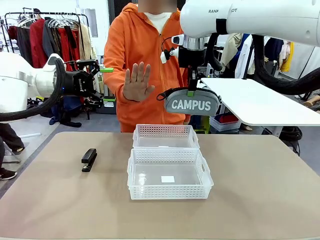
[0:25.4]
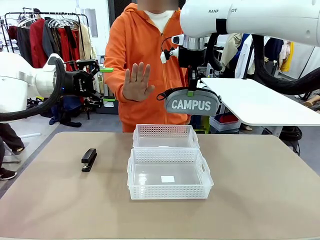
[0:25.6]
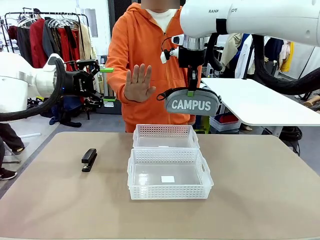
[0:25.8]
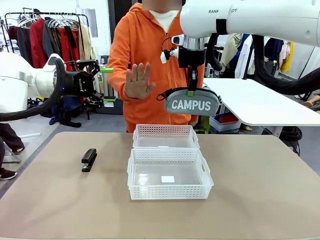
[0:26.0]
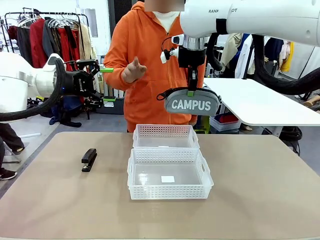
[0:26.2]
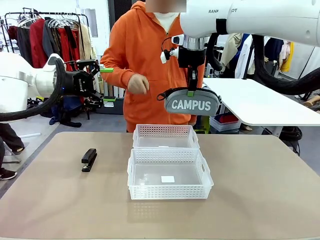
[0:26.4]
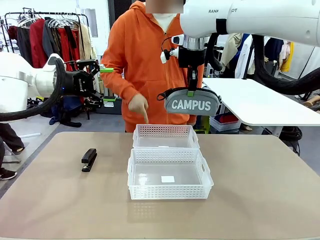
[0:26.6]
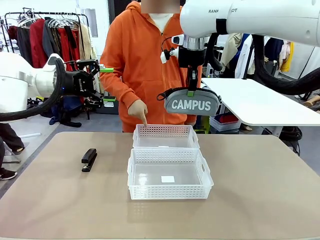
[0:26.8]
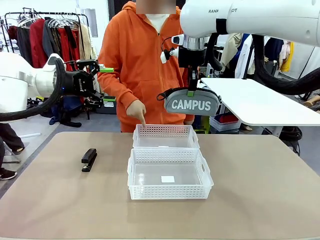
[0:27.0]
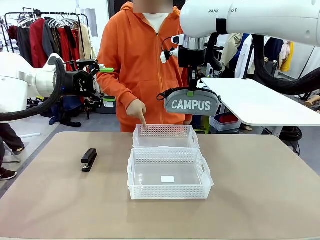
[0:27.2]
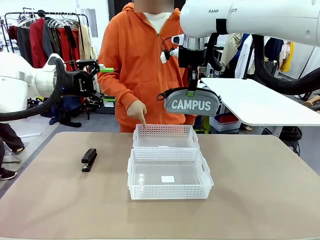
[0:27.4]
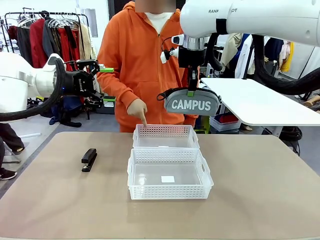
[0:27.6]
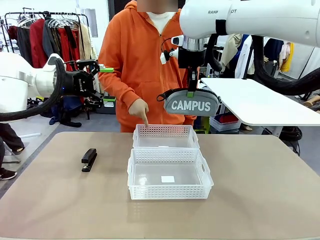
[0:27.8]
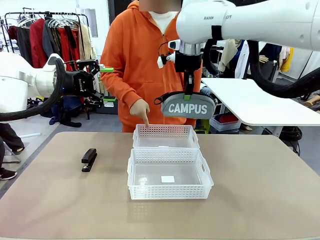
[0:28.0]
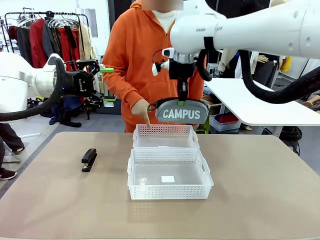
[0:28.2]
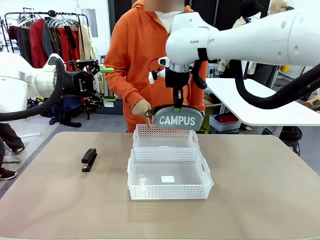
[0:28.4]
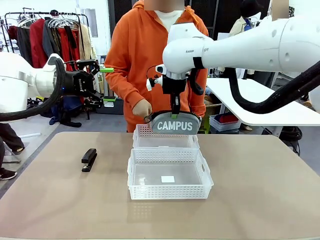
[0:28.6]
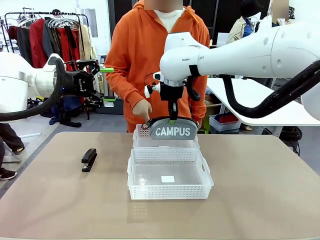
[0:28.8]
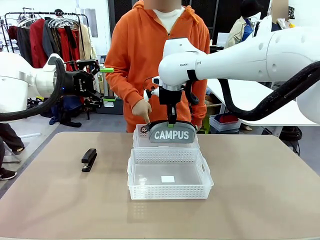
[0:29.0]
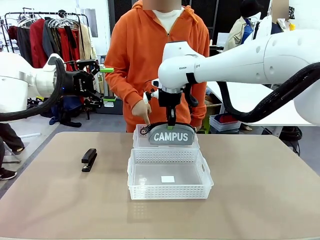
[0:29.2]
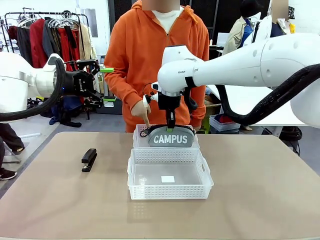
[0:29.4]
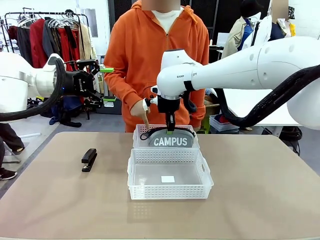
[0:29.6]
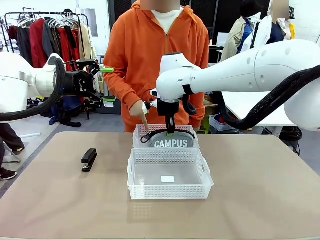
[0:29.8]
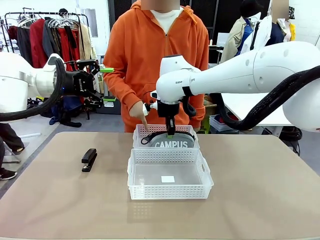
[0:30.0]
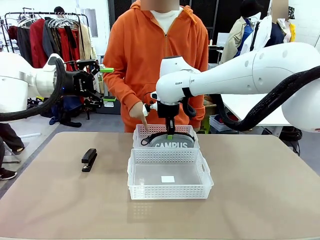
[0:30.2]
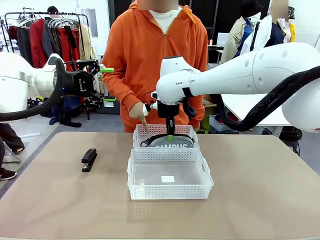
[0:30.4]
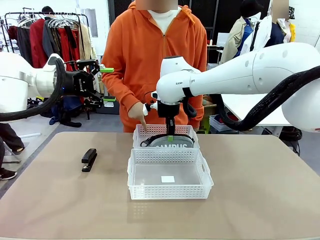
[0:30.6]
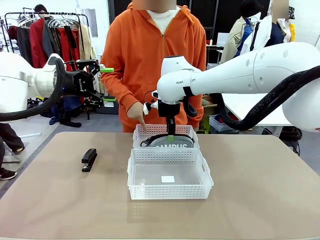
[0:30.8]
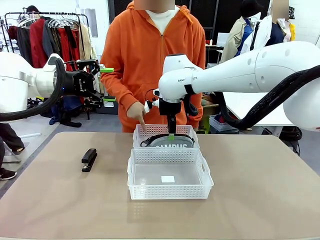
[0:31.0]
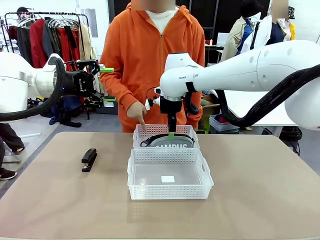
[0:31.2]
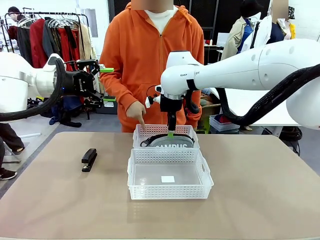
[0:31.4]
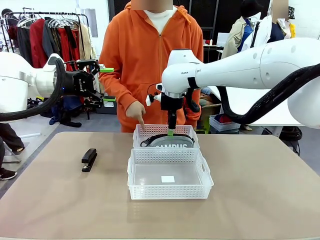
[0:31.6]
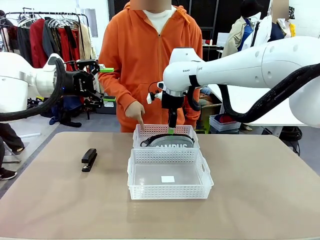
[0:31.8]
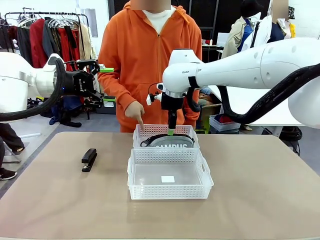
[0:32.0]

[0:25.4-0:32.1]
Task: Distribute items into two baskets.
Robot: Place the picked Pencil pouch into the Organizing basket as instructed by the person.
Person: Instructs the robot to place the pencil case into the opposite basket.

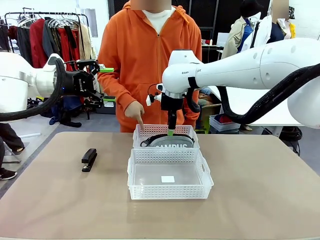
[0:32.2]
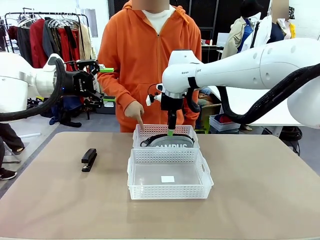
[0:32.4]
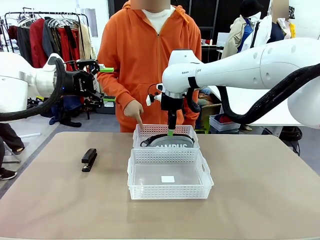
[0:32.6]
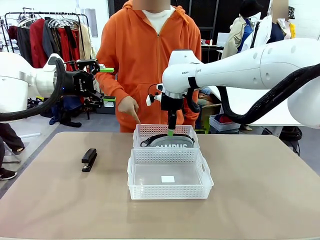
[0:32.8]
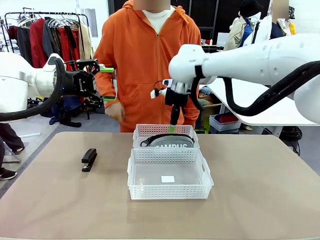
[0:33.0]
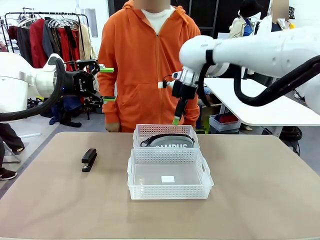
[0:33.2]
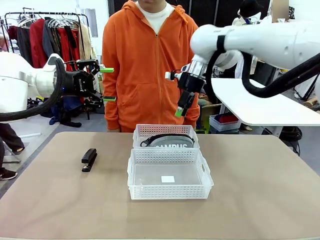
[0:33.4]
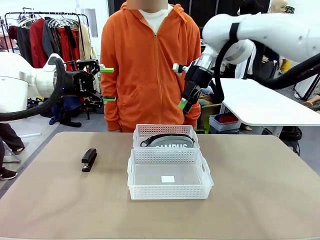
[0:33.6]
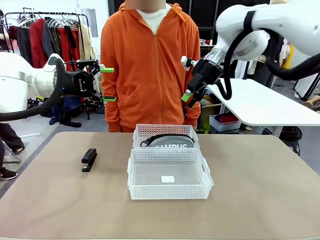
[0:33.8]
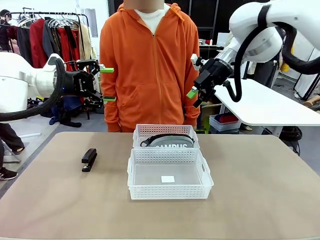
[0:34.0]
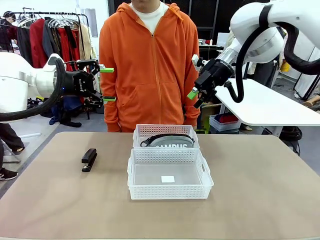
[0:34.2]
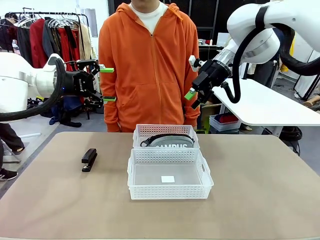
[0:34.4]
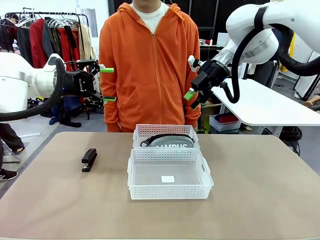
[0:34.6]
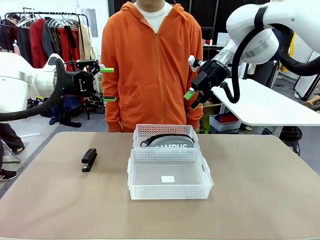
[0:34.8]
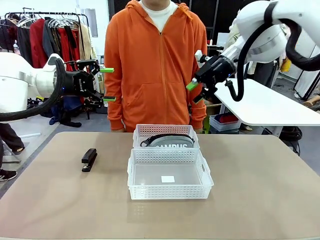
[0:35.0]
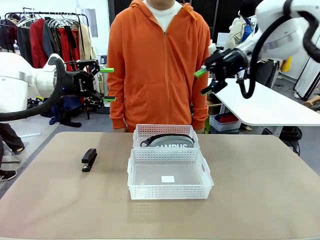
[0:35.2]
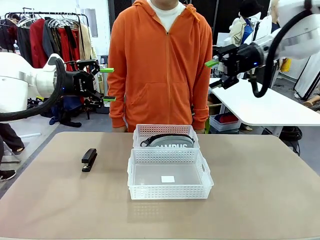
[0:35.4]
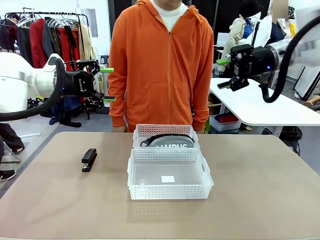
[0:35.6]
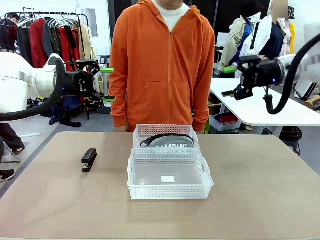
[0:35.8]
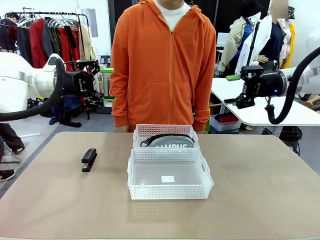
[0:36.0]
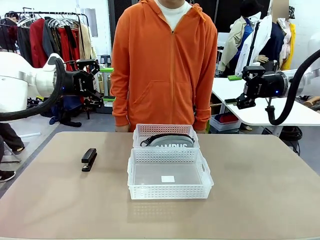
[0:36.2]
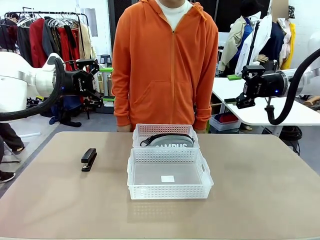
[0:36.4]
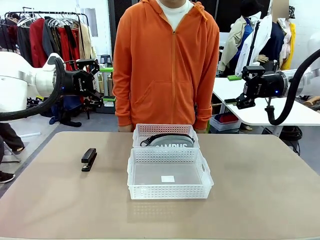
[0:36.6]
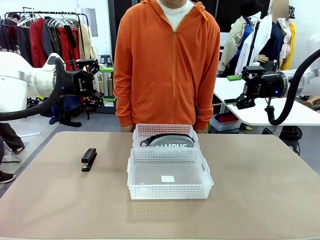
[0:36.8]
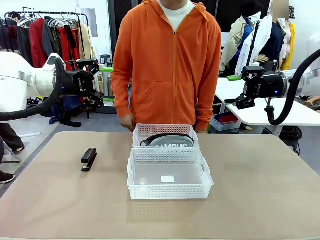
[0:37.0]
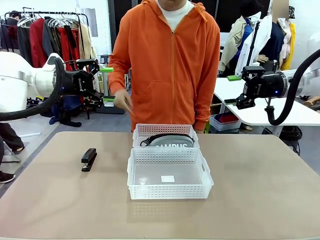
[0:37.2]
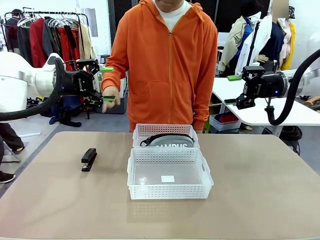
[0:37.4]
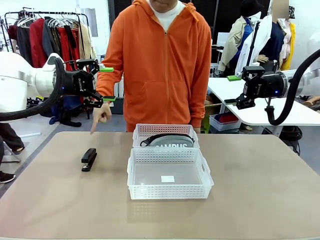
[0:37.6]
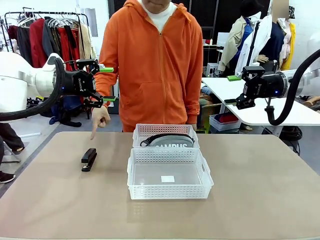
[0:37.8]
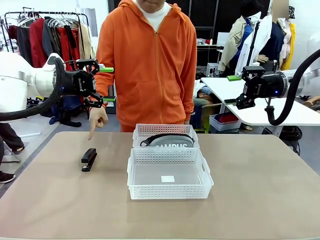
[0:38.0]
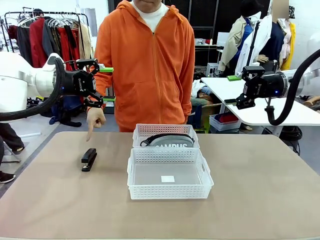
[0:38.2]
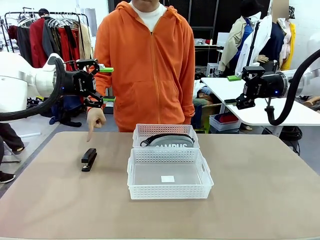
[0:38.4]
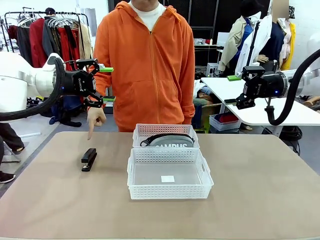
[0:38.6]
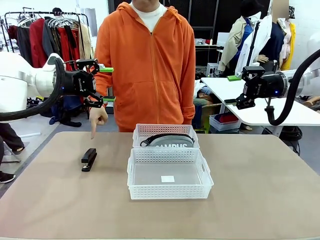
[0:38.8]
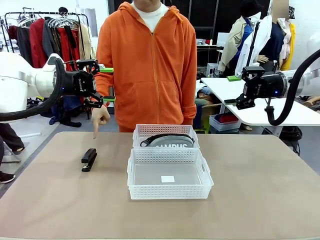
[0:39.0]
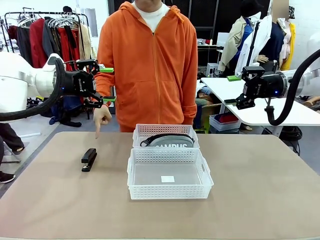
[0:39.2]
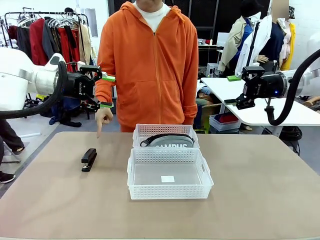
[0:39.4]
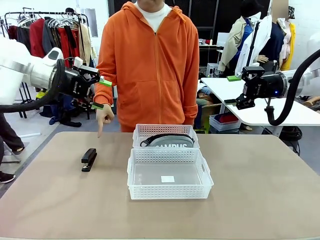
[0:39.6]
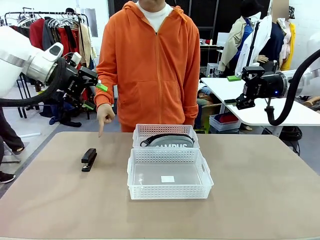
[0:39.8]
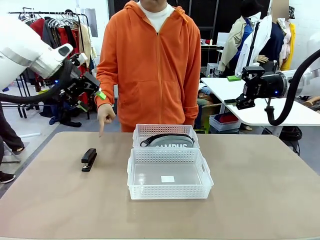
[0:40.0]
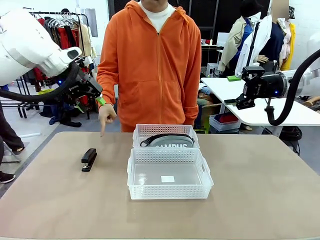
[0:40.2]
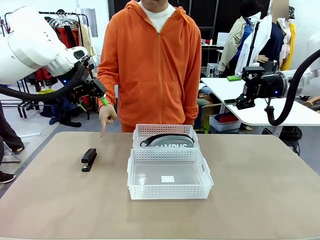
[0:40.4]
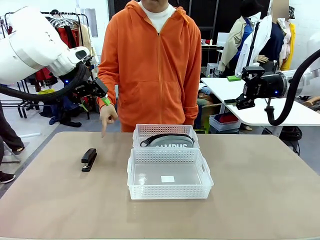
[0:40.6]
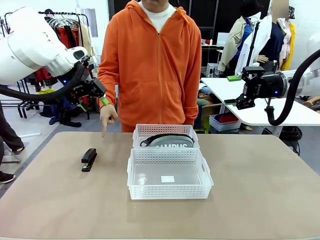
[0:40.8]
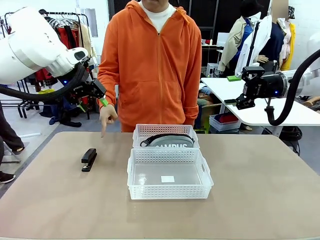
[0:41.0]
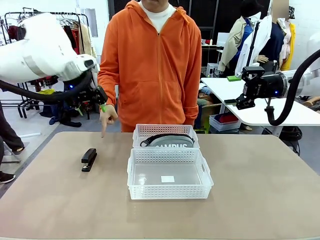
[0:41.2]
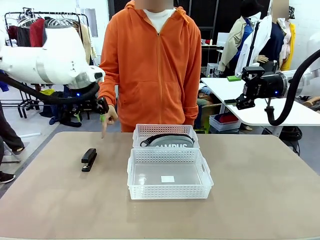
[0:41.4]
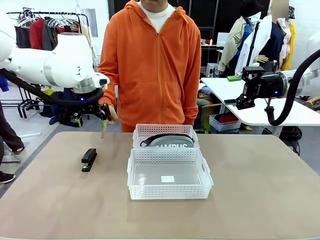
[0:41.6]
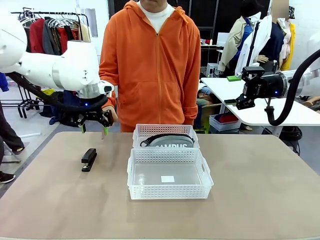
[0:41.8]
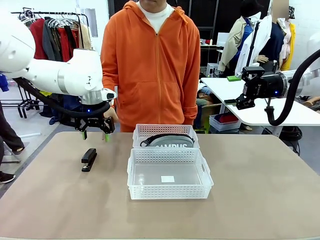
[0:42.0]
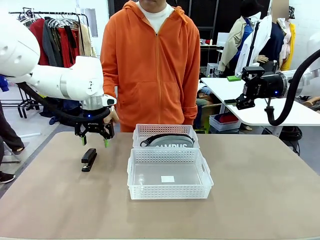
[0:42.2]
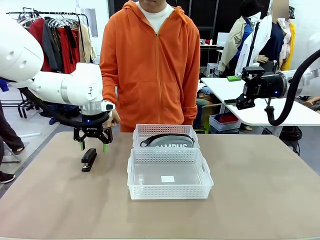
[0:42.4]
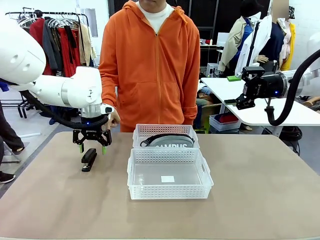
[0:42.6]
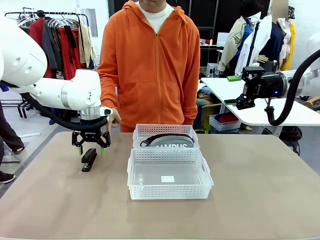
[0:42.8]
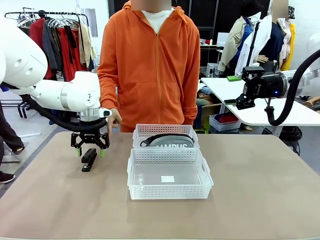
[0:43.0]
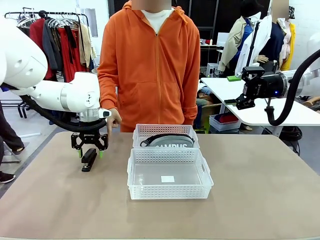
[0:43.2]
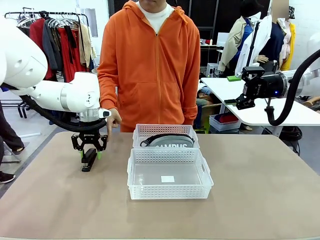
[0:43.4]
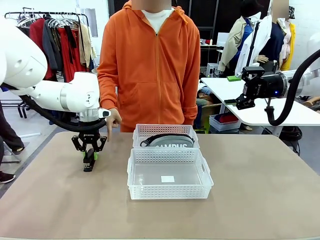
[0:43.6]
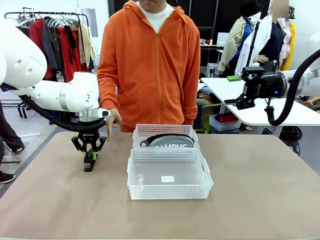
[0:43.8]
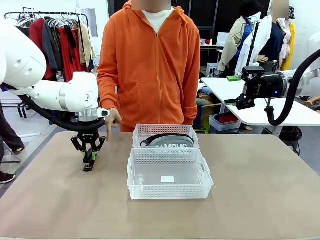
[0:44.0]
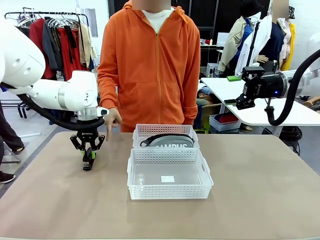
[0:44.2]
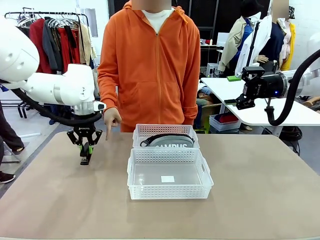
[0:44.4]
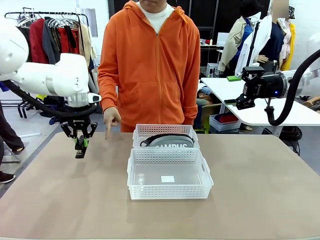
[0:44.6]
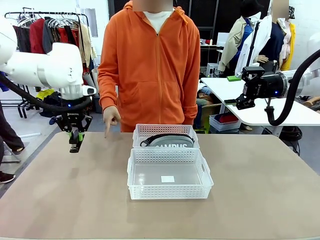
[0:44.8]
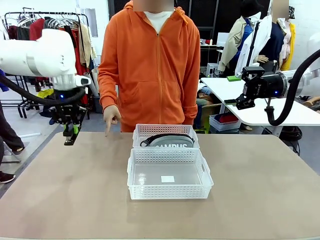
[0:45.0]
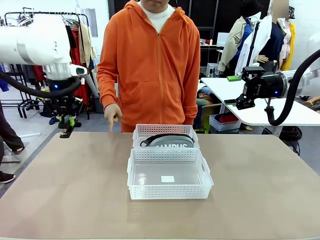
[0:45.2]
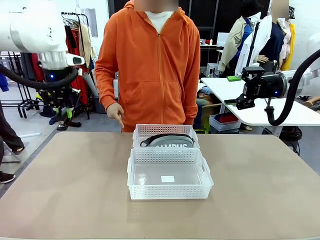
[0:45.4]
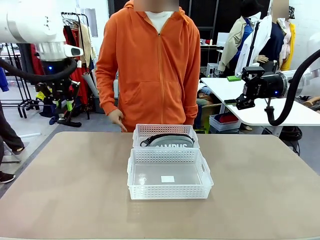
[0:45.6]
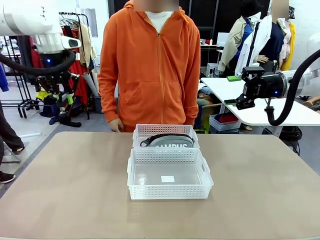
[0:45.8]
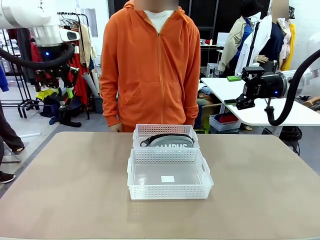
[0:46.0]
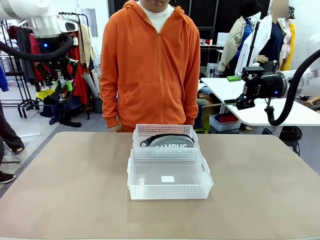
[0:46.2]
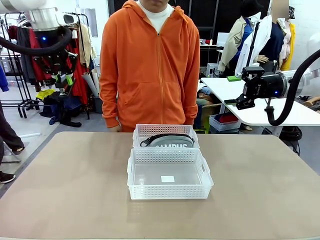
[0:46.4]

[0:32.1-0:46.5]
Robot: Pick up the Stapler that the person points to.
Person: Points to the stapler.
